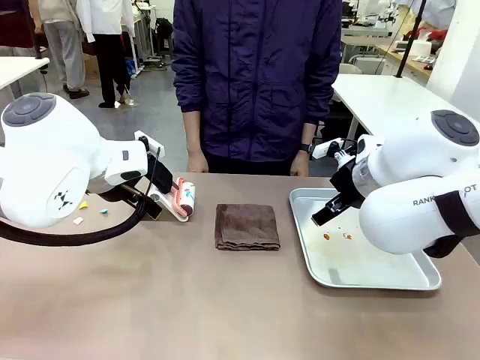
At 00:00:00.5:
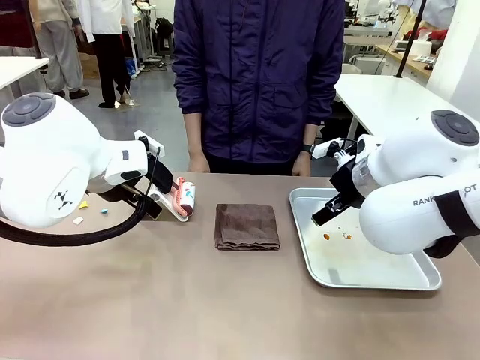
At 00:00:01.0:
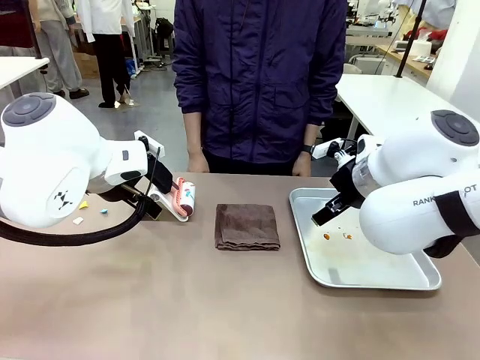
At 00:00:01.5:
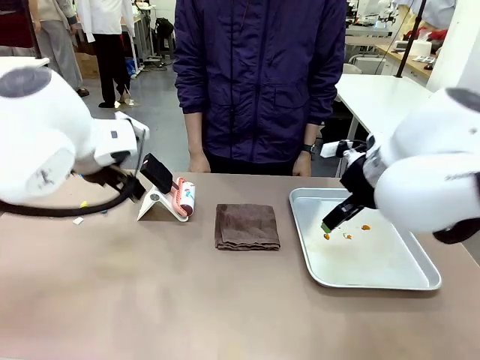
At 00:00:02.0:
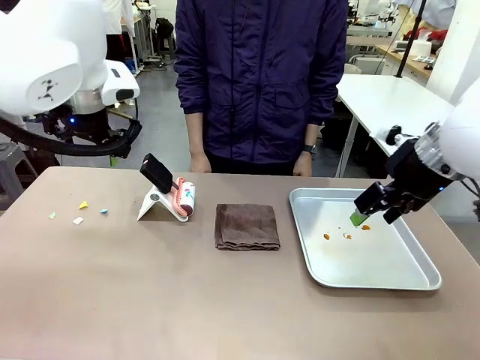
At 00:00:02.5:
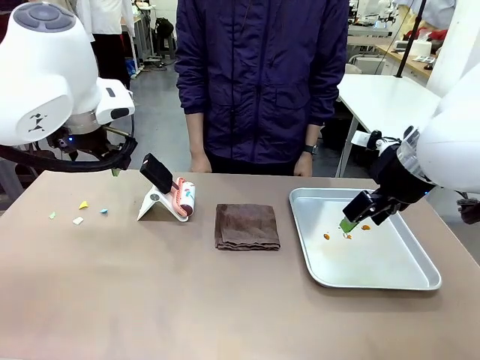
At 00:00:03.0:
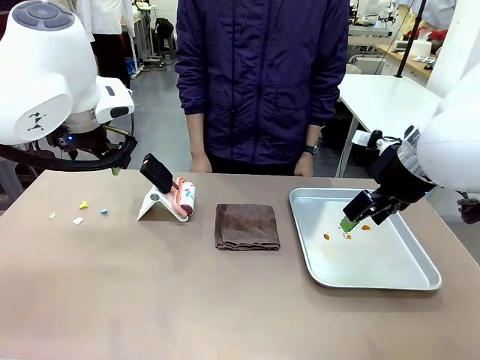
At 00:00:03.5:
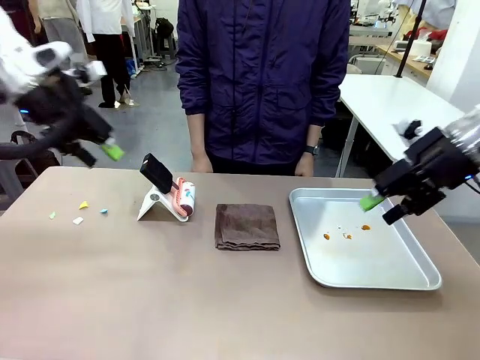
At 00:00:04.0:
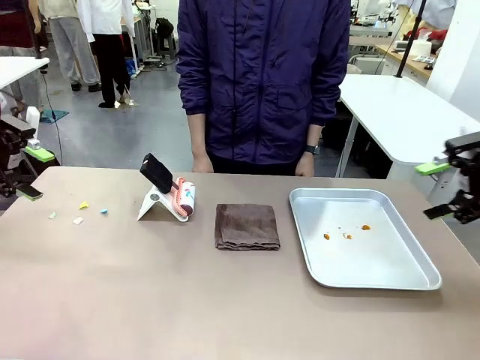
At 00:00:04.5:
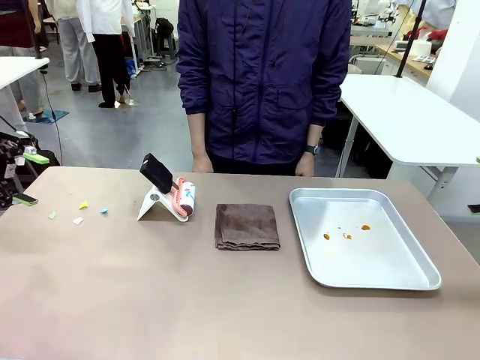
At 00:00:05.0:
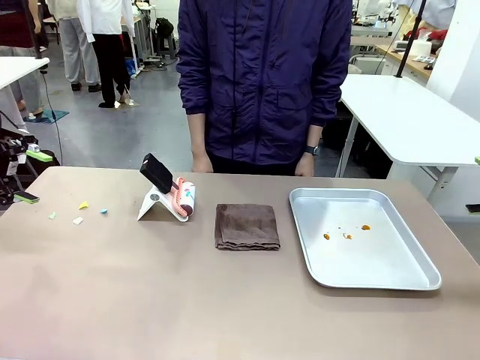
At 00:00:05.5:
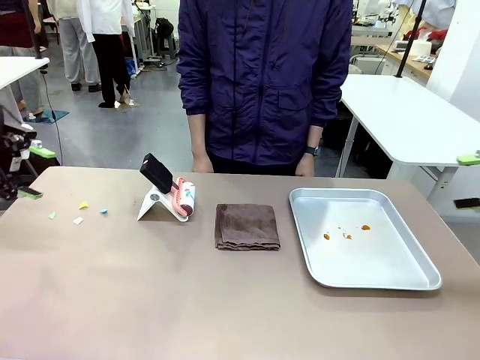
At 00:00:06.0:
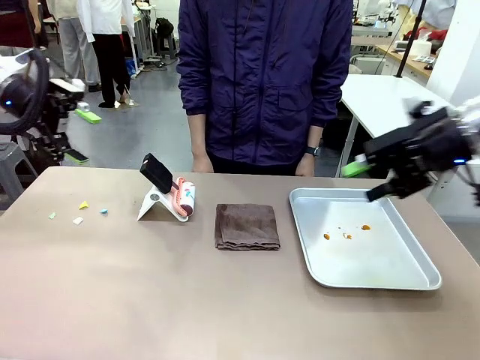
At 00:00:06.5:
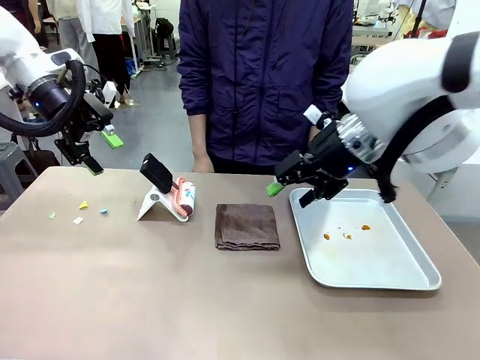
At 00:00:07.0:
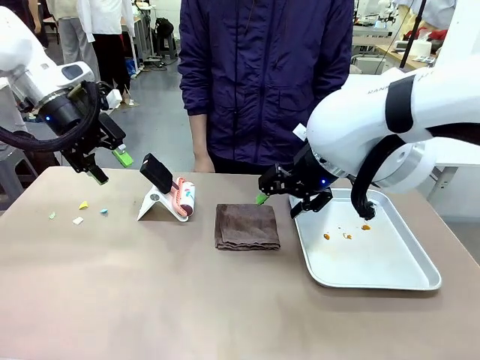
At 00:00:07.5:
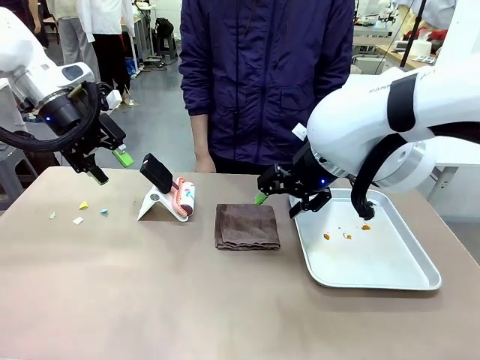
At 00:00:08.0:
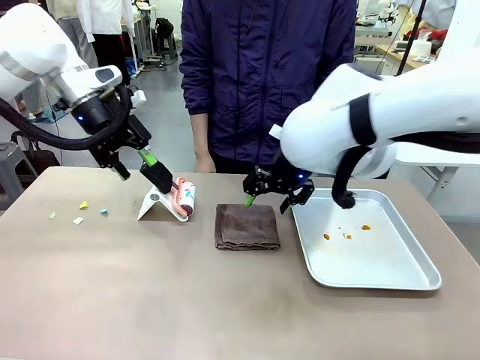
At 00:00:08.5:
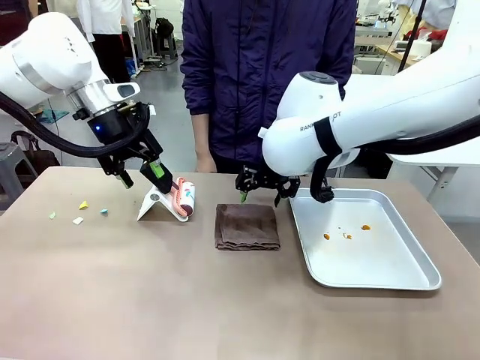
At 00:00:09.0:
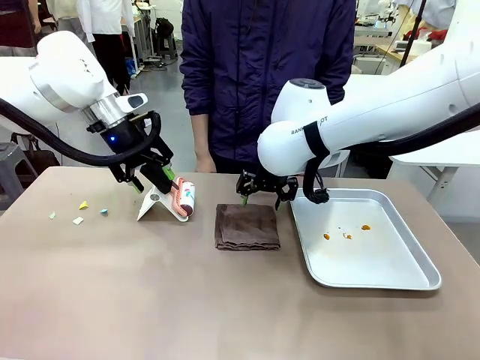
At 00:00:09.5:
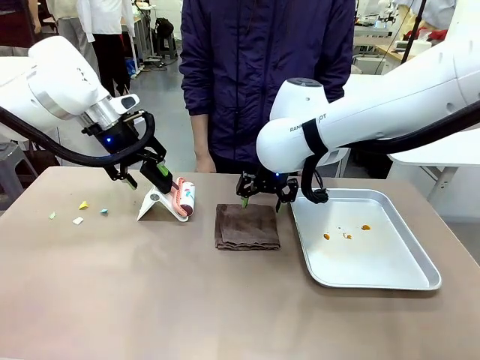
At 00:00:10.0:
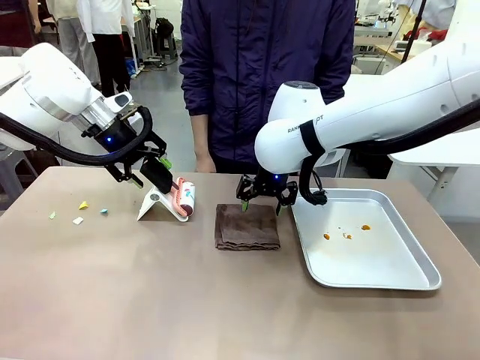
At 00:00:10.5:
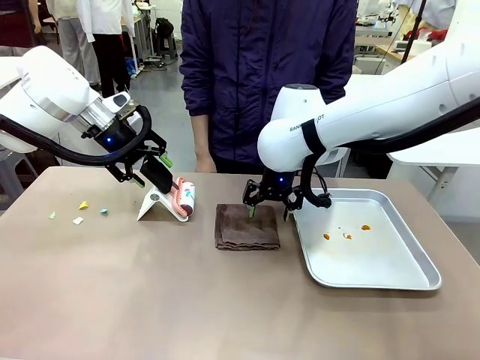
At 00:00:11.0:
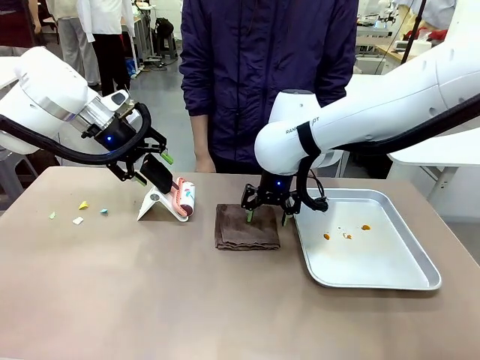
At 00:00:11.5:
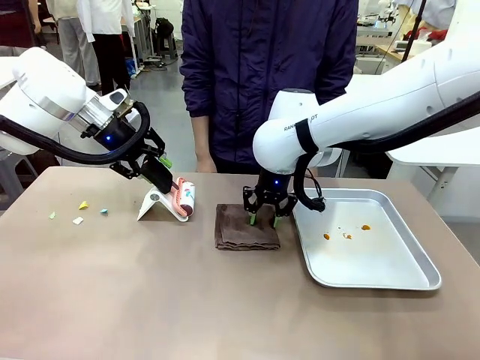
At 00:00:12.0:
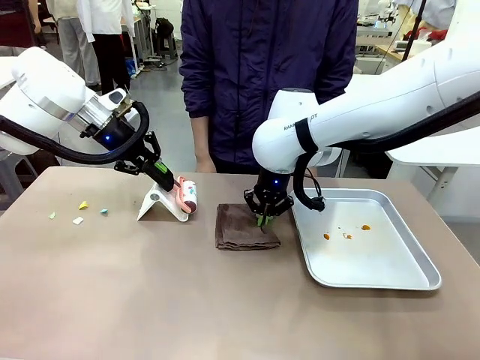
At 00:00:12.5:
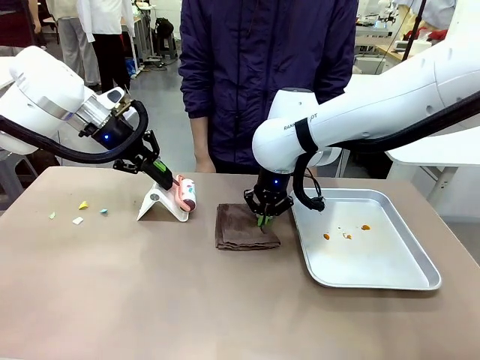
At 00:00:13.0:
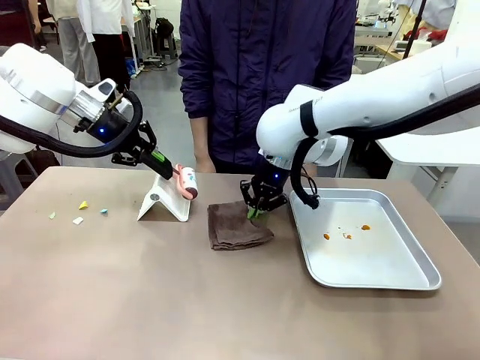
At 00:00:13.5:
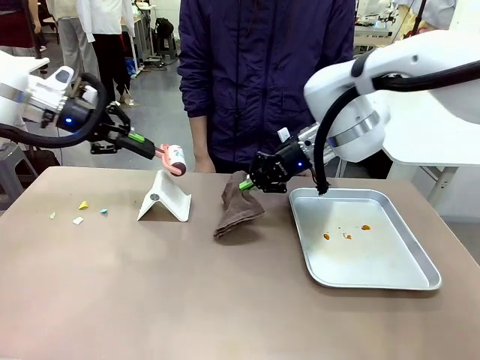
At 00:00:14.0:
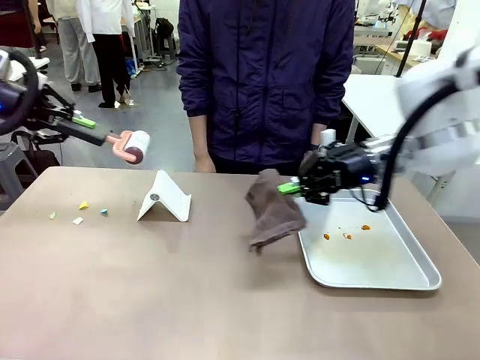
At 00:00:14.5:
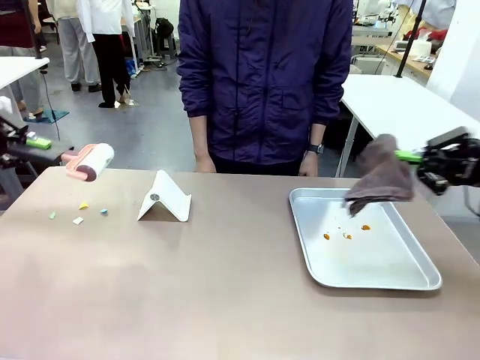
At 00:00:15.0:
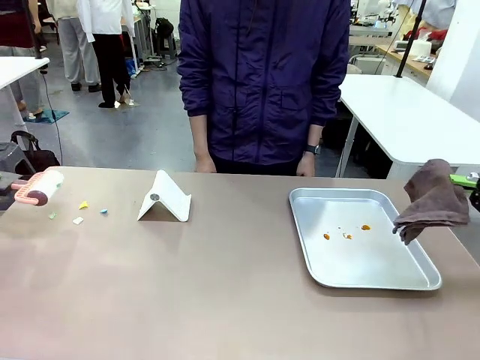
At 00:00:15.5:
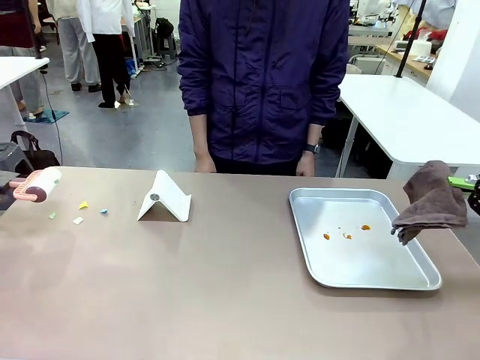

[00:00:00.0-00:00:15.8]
Task: Clean the surface of the table.
Robot: Hold the Lint Roller with your left hand and the towel with your right hand.
